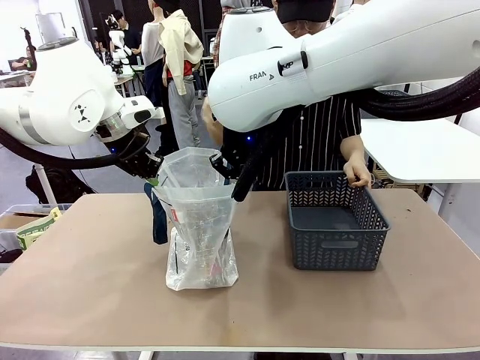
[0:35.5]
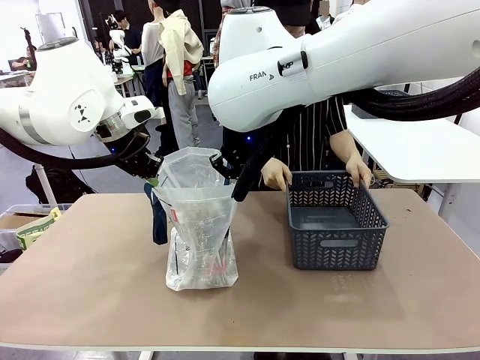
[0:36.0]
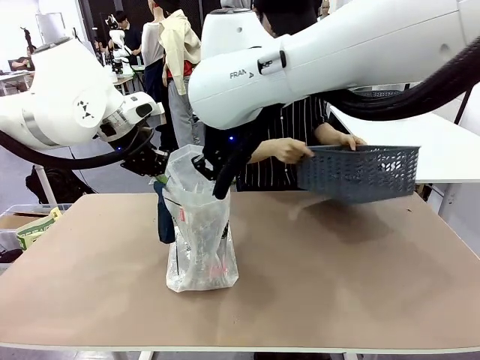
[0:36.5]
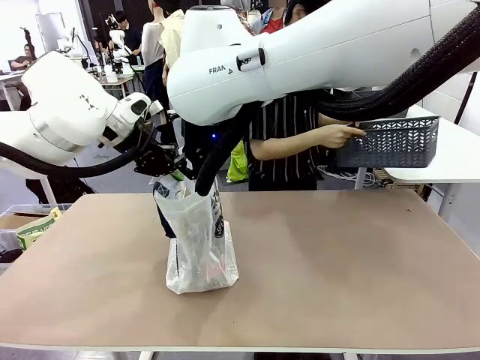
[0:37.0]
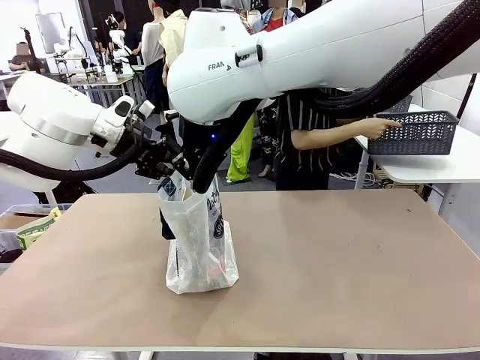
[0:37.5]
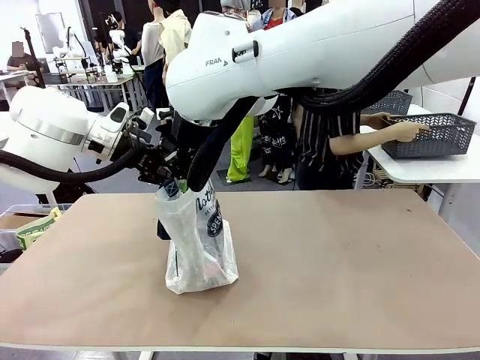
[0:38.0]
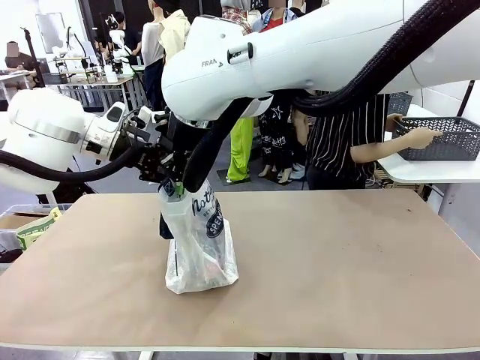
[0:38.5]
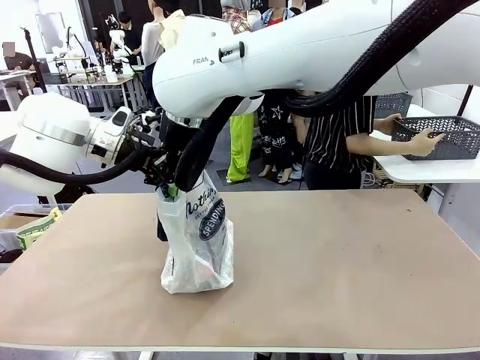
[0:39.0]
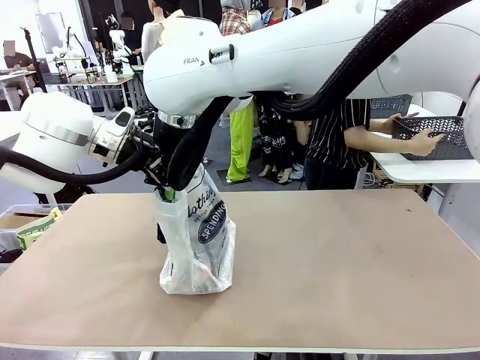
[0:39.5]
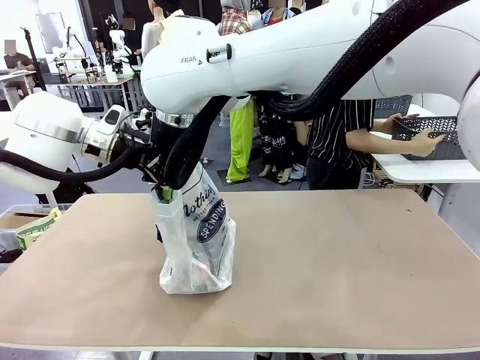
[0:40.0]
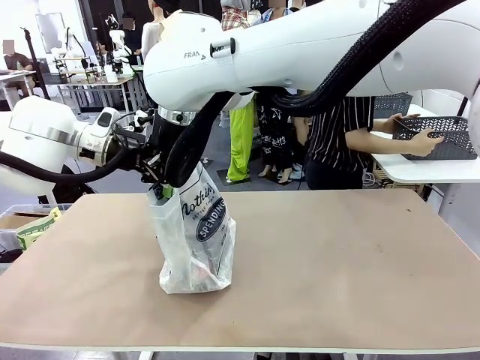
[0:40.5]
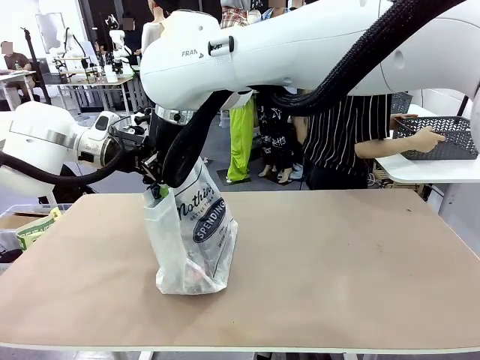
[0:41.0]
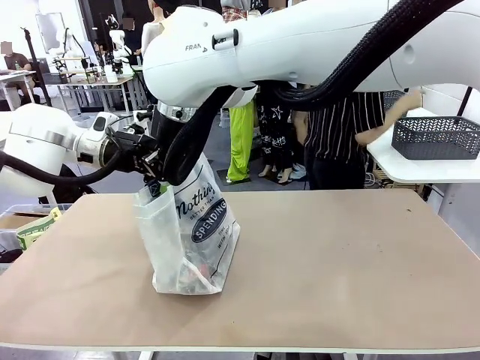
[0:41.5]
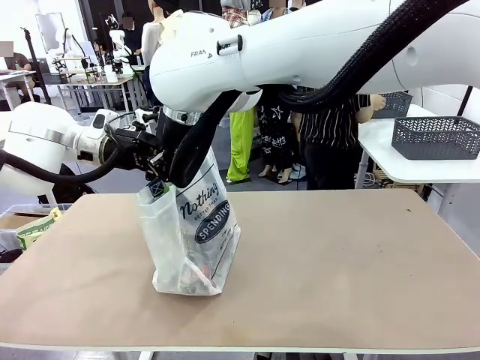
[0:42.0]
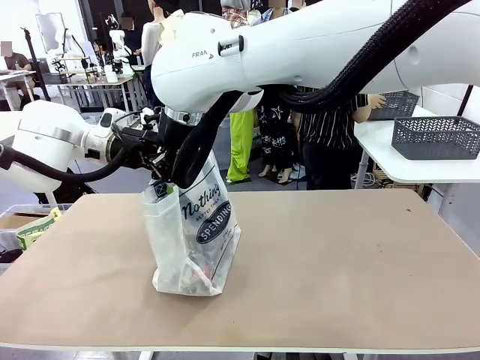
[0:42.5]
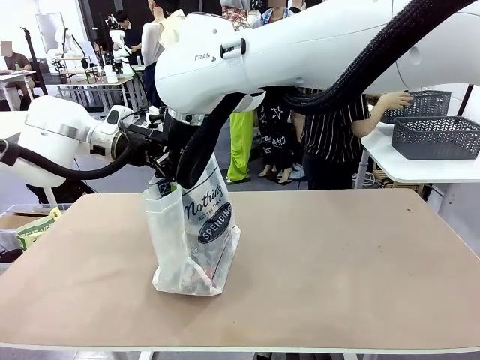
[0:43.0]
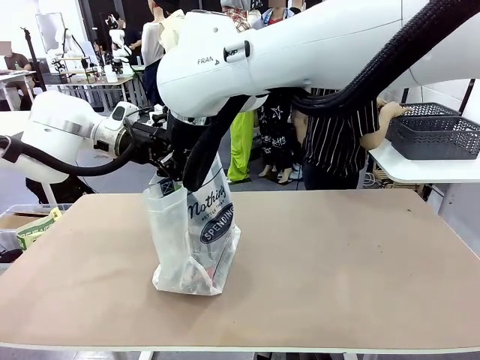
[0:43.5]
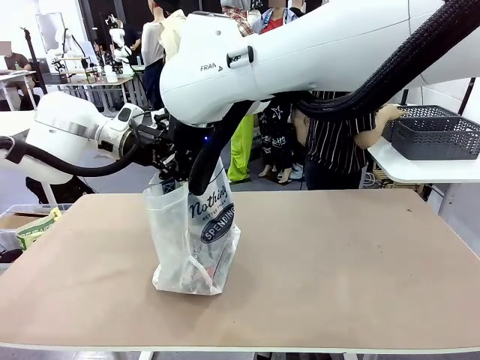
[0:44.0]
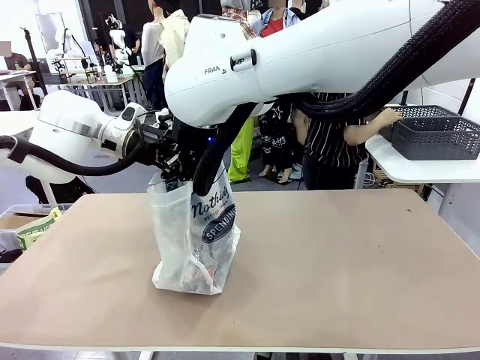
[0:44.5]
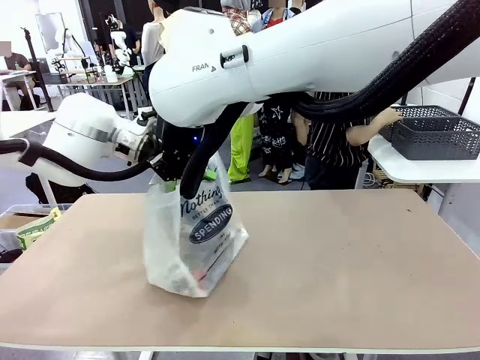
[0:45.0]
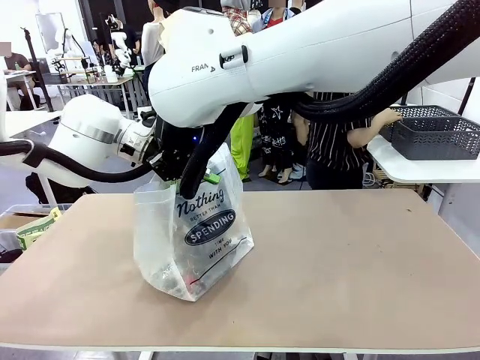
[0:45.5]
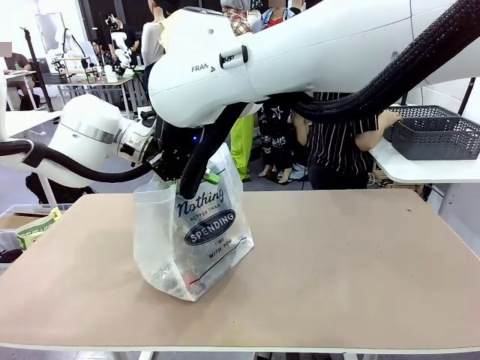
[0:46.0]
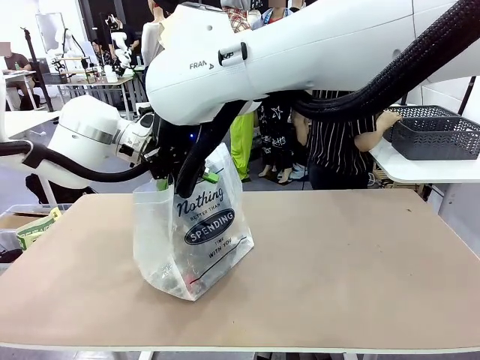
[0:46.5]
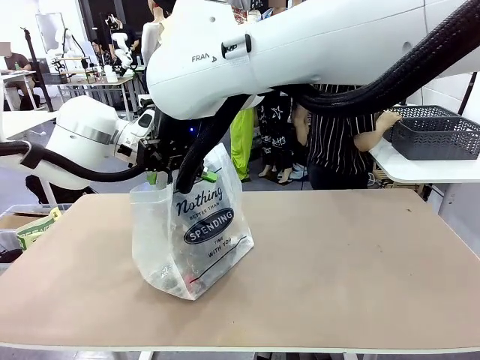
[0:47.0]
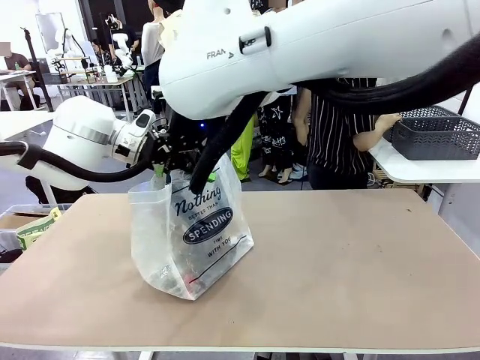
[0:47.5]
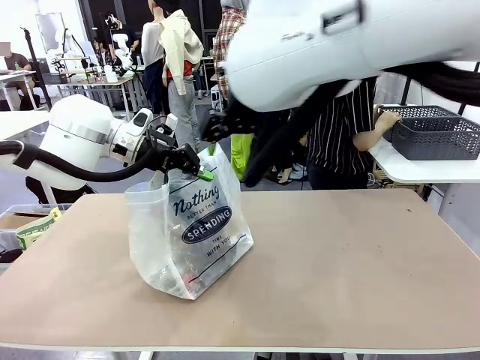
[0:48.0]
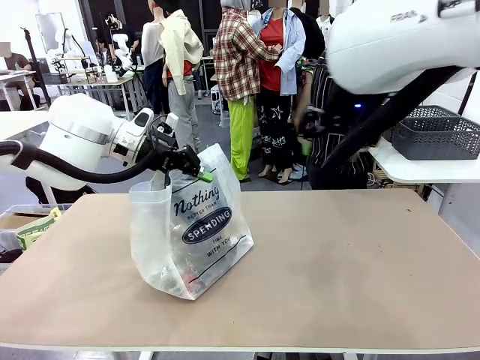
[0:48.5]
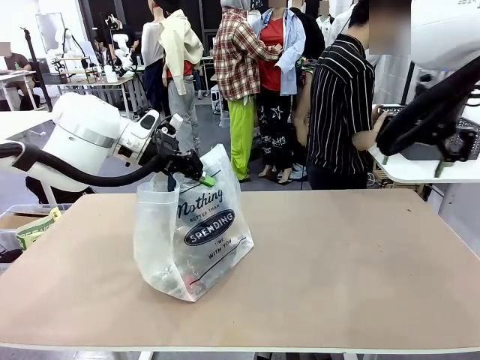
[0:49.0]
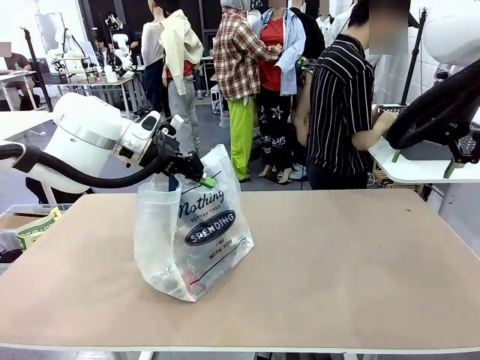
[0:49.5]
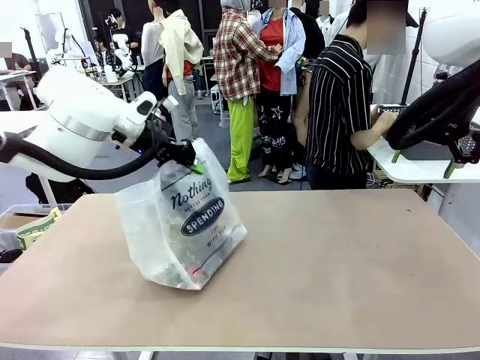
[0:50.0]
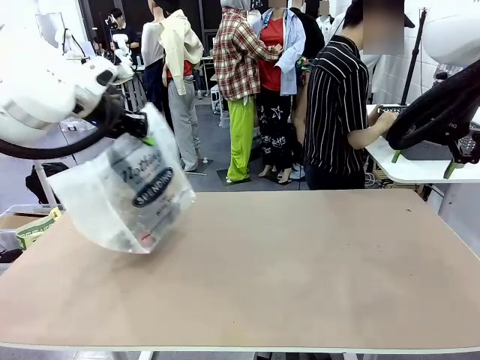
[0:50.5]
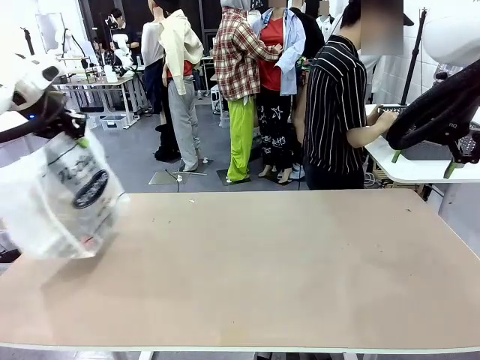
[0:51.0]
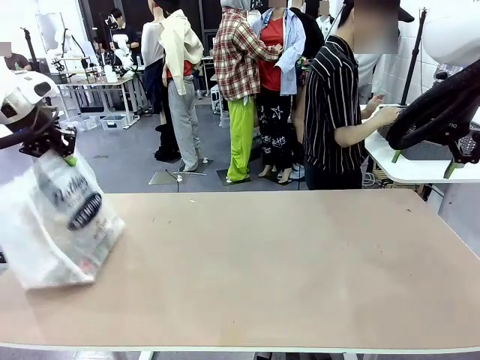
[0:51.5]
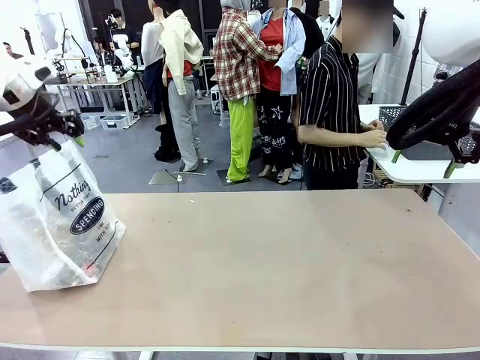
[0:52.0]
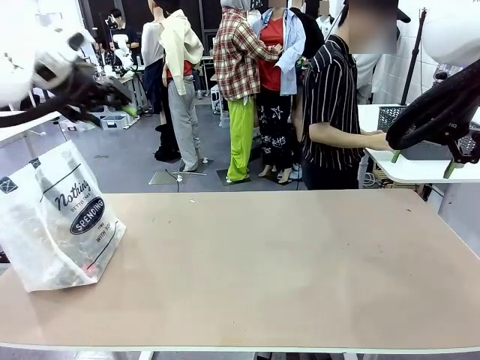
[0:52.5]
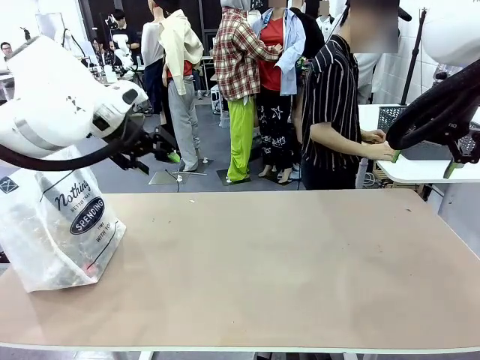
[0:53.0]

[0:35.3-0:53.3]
Task: Transfer purchased items from the store into the shopping bag.
Robot: Move the Reusable shopping bag to the right side of the table.
Person: Move the basket on the left to the middle of the person's table.

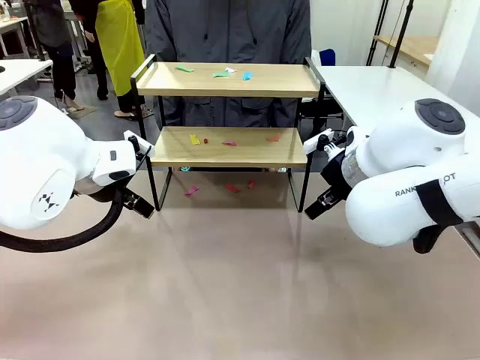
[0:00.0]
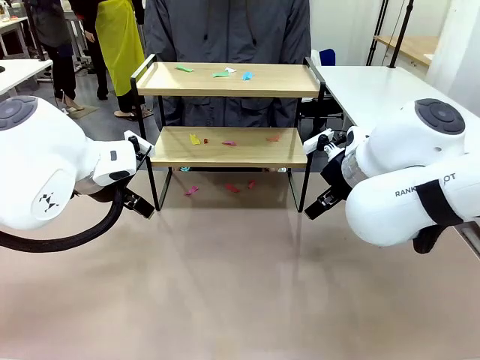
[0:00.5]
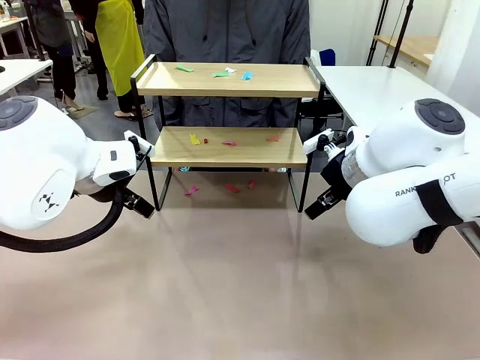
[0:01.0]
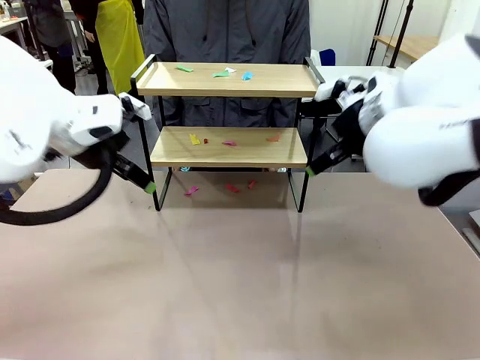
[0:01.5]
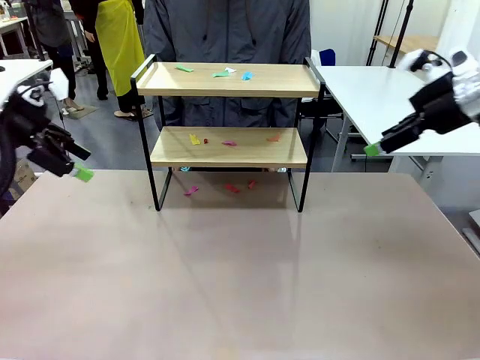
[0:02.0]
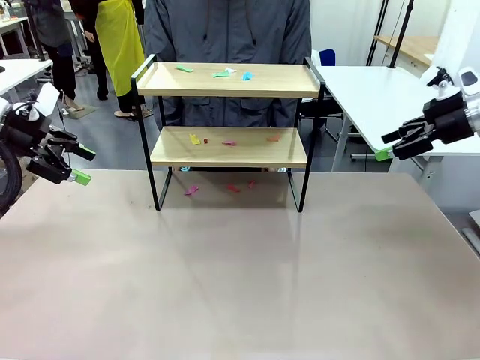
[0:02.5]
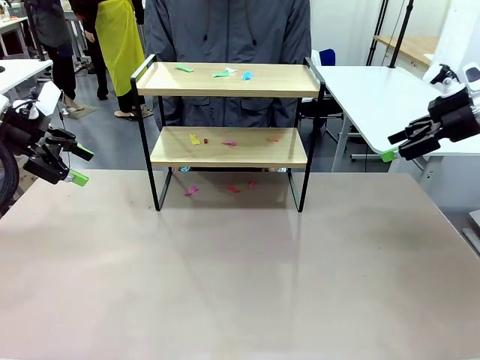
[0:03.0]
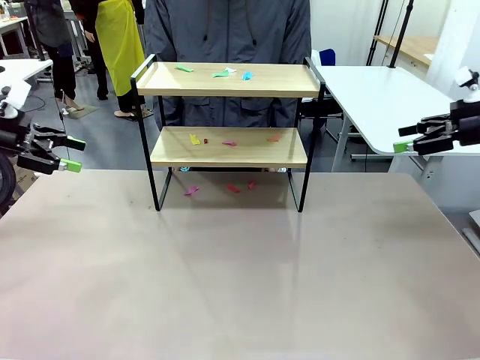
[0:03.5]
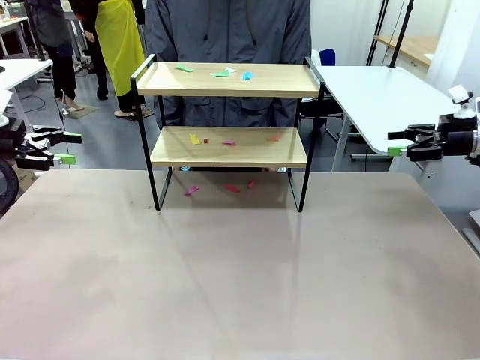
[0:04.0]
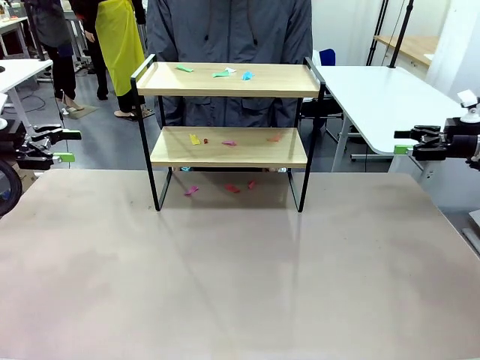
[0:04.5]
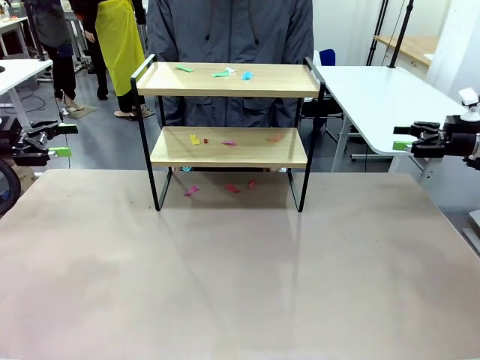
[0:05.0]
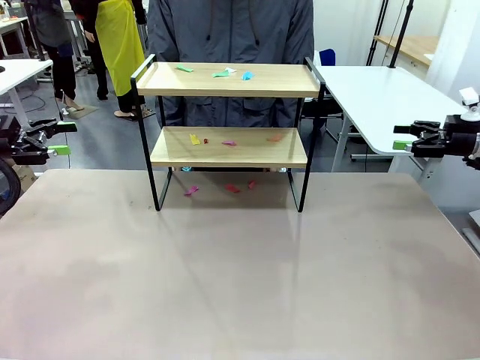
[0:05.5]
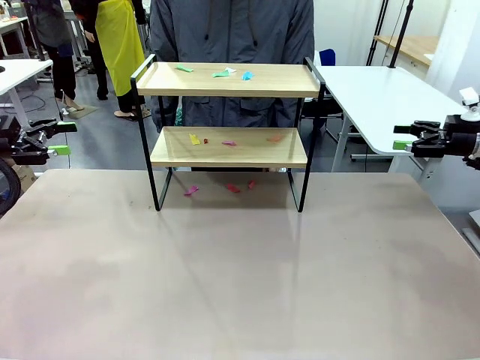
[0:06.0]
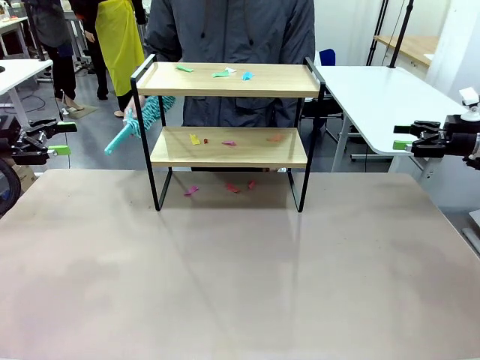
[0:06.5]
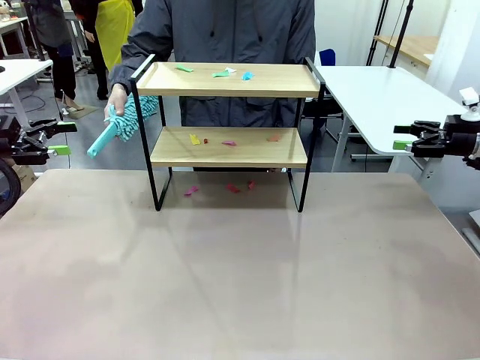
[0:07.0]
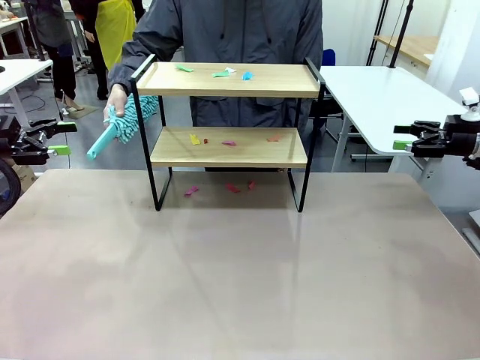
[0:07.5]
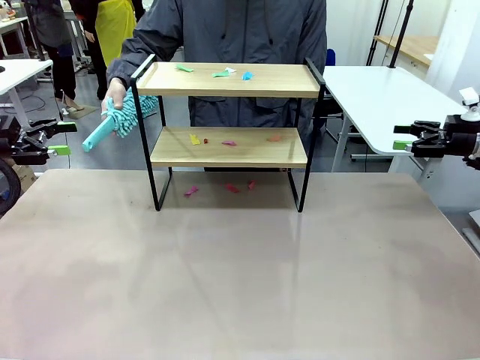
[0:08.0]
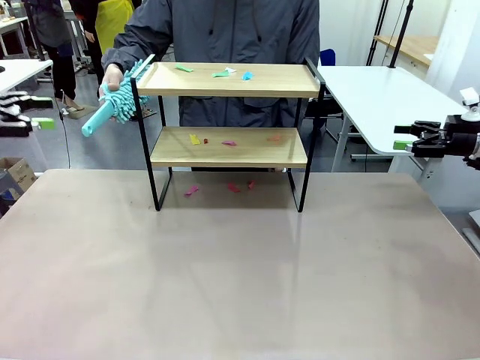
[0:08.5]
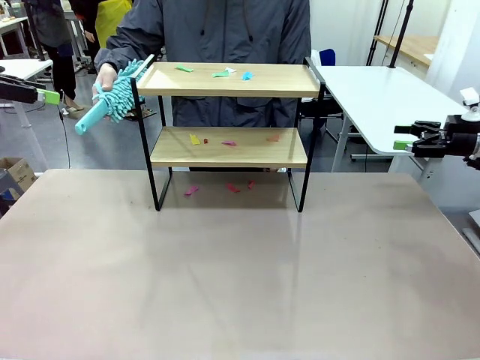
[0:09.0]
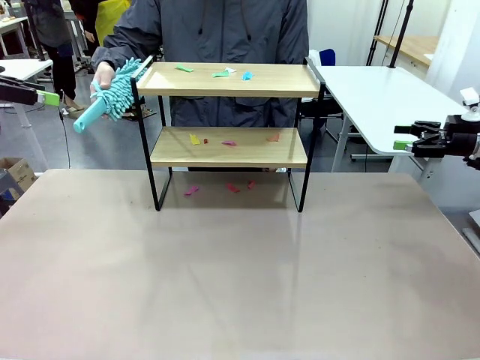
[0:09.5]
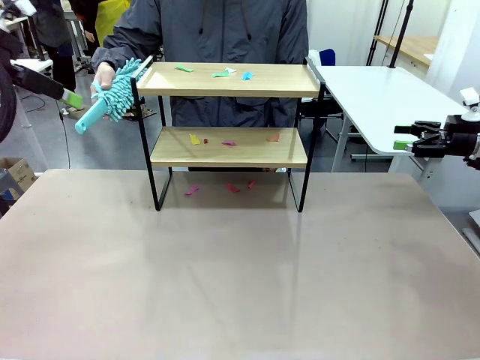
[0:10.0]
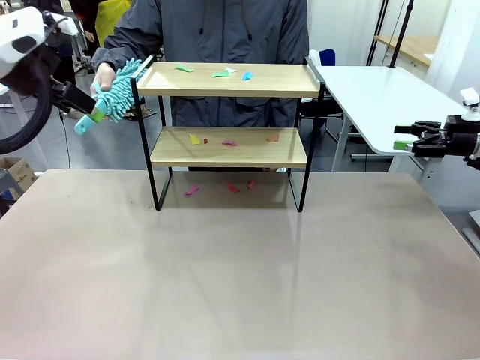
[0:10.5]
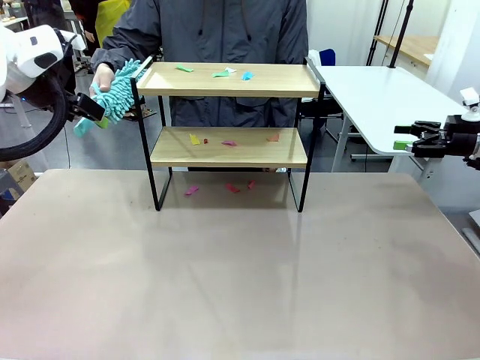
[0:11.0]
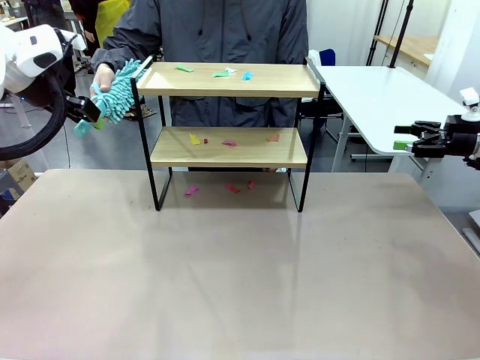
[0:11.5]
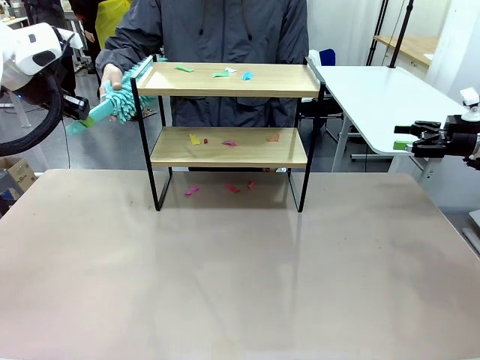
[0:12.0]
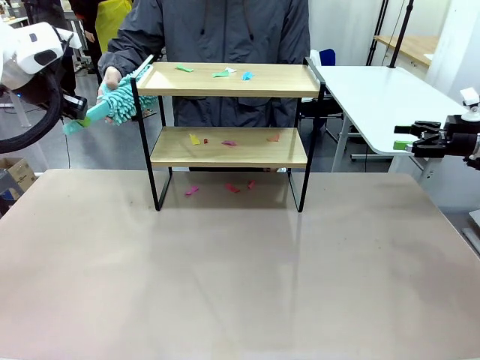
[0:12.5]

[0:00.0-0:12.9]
Task: Clean the shelf.
Robot: Pick up the Duster handed by the human.
Person: Hand the Duster to the robot.
